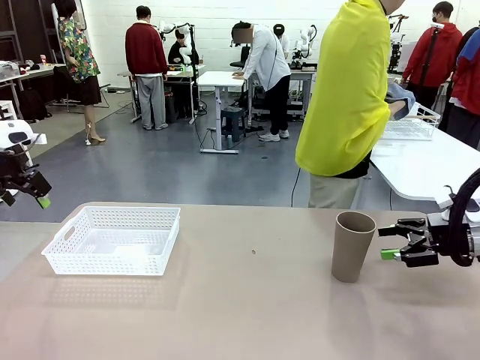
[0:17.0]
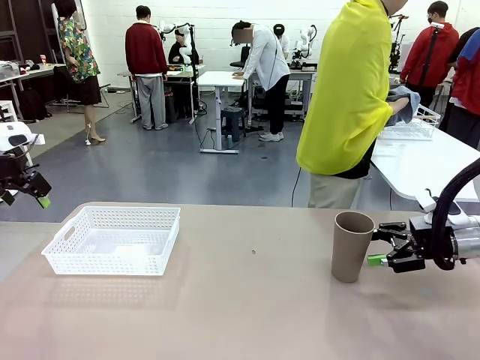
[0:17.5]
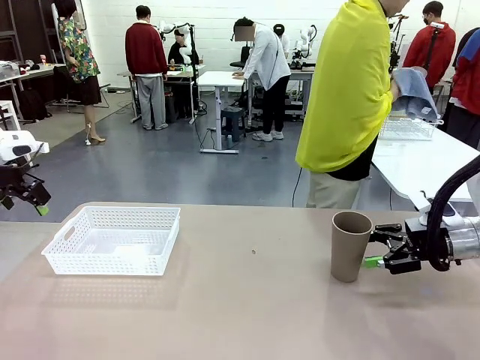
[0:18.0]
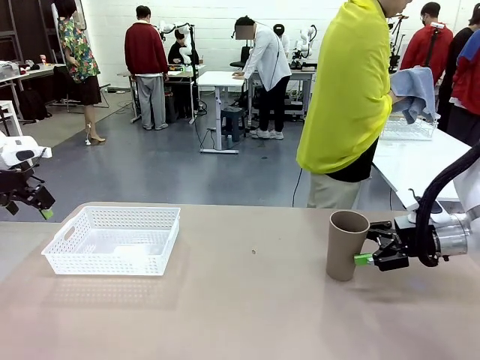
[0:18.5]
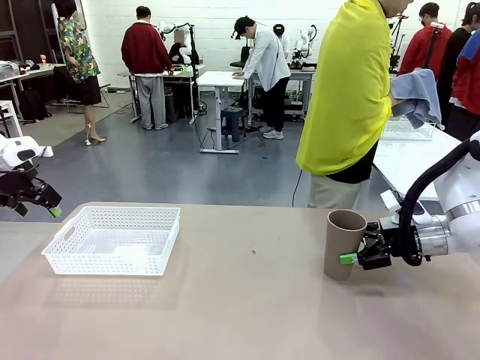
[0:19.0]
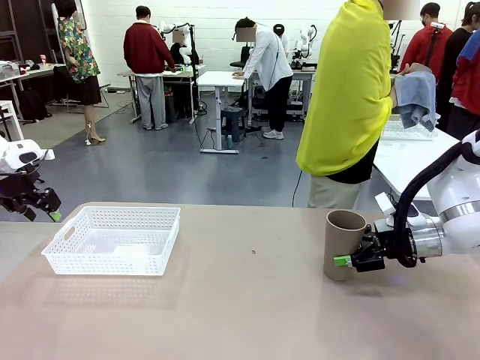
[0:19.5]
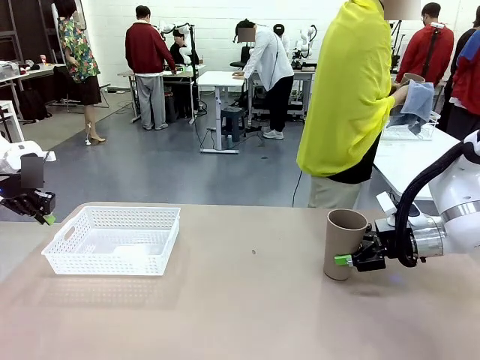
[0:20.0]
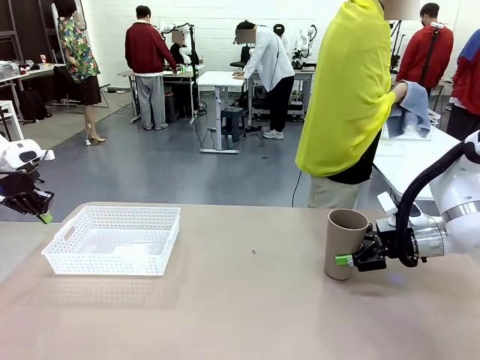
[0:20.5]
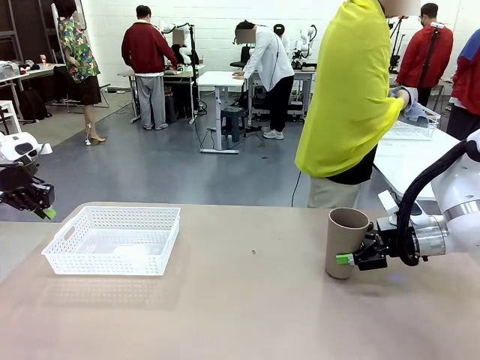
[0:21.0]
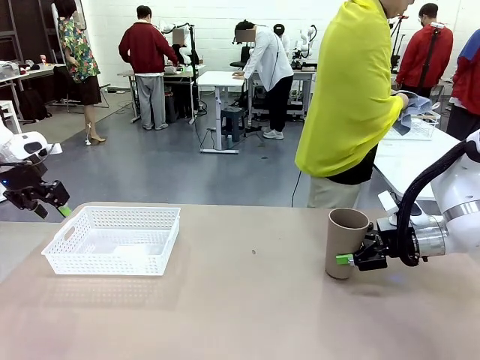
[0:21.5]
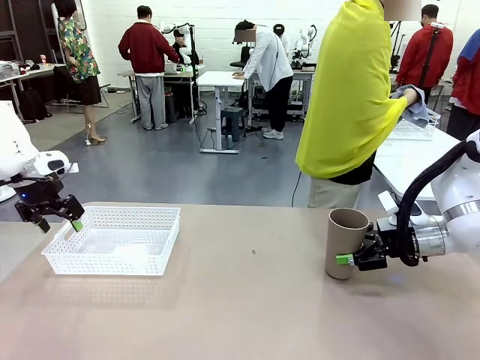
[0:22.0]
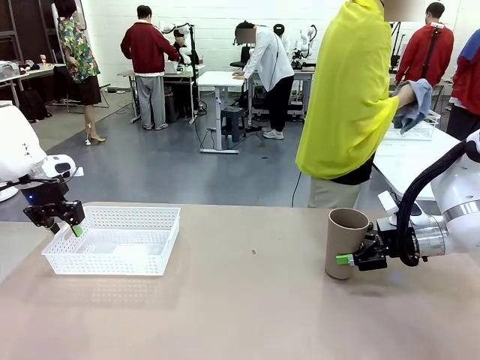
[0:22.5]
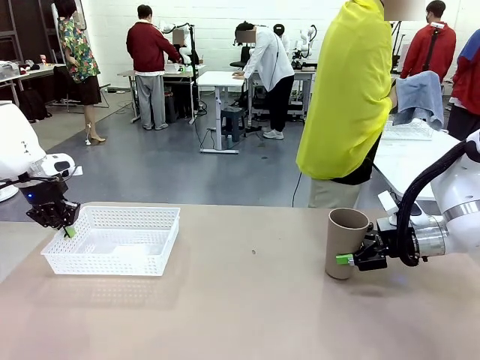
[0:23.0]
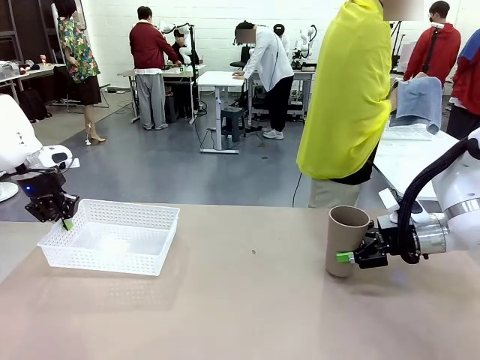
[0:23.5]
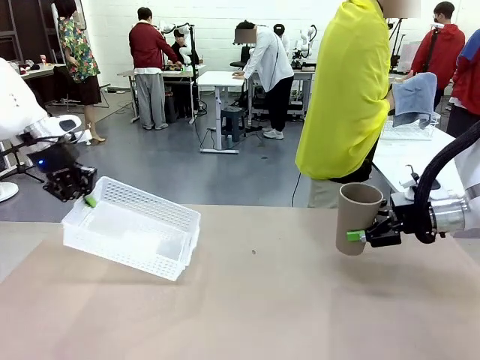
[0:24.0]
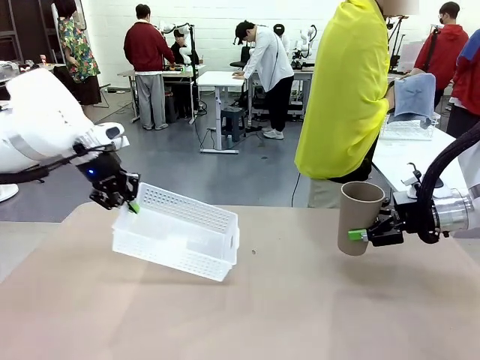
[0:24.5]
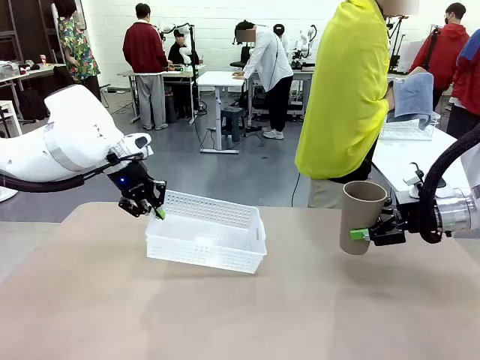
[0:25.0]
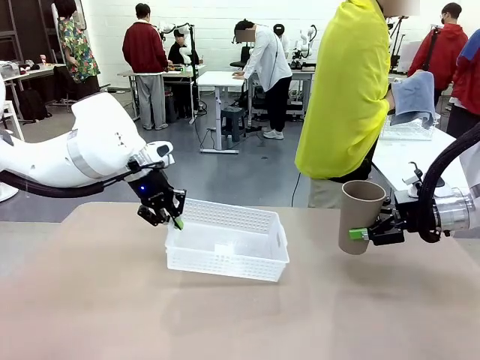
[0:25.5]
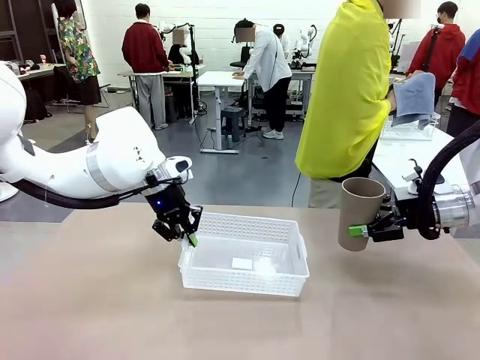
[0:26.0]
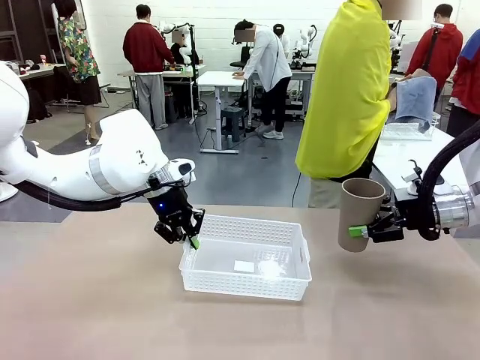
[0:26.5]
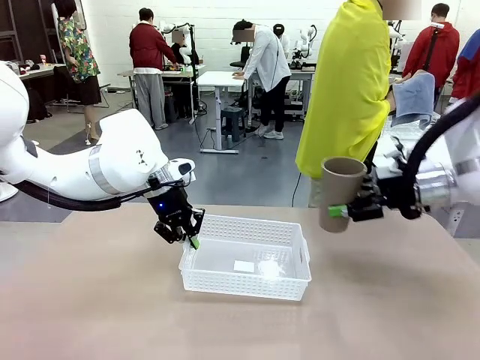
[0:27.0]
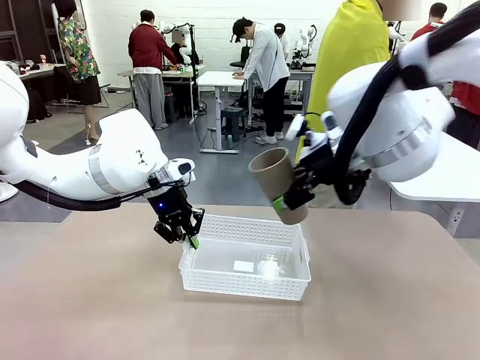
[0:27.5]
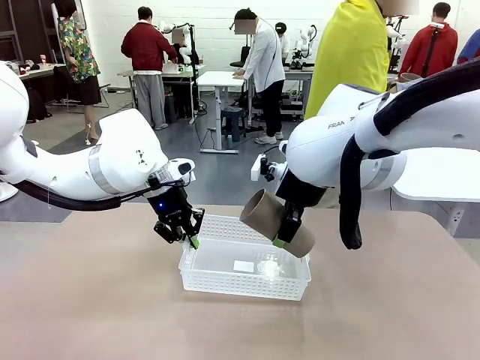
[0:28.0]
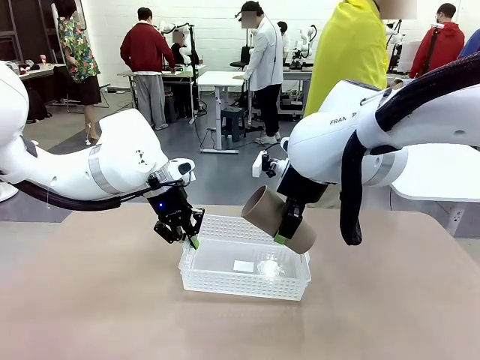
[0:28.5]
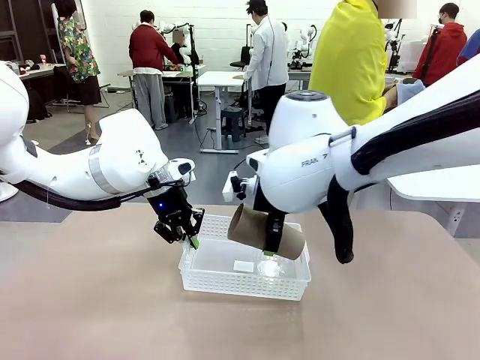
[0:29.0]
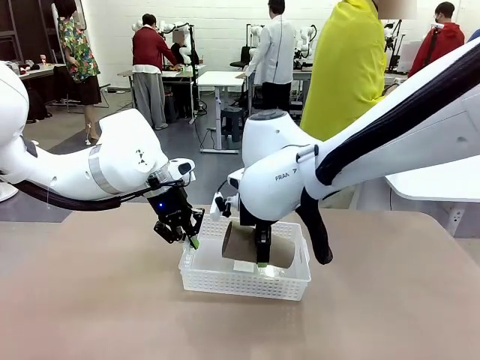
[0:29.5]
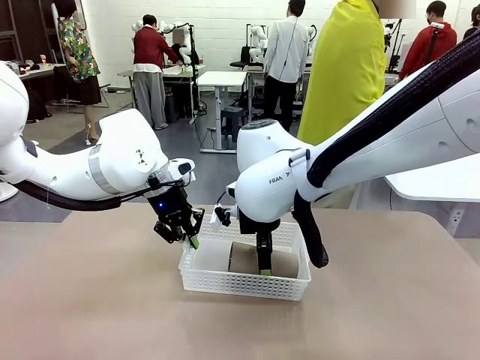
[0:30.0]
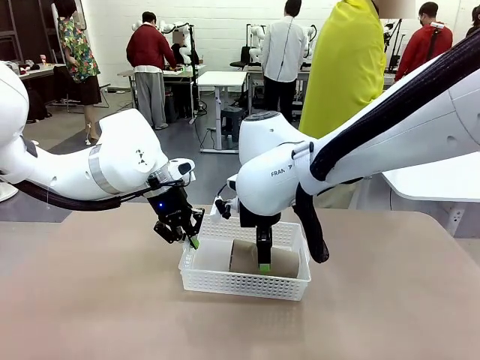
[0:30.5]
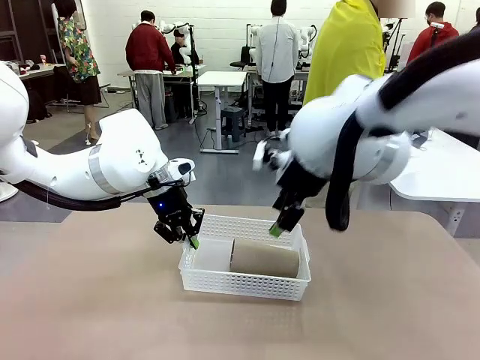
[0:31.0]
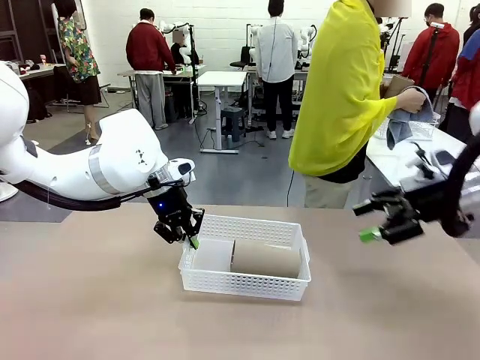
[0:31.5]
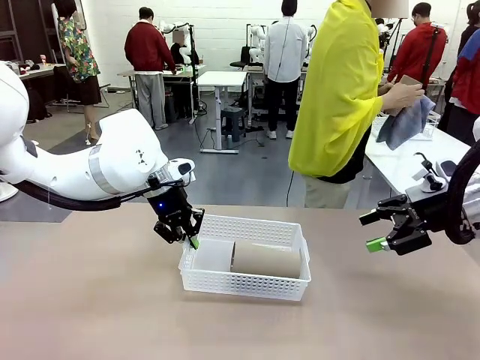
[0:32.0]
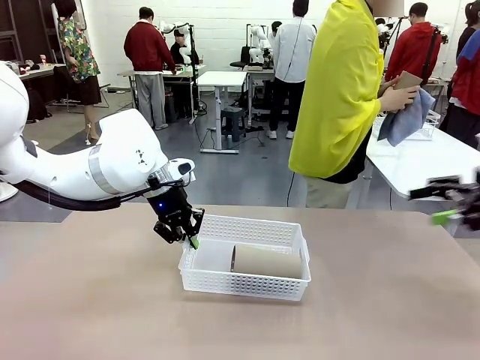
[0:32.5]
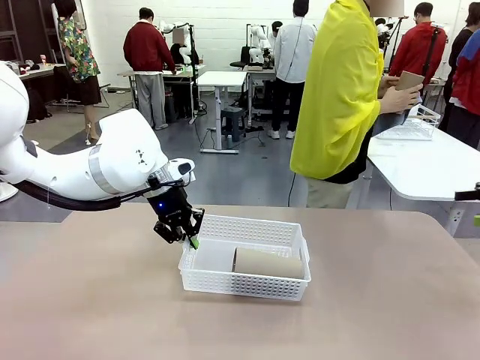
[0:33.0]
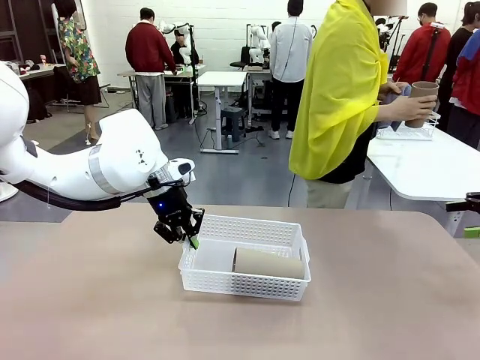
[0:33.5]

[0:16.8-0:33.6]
Task: Clean and organize the cups into the basket.
Robot: Pick up the Organizing basket and move it to the center of the table, then pick up the Reusable plastic cup from the right side of the table and place it inside the Organizing basket.

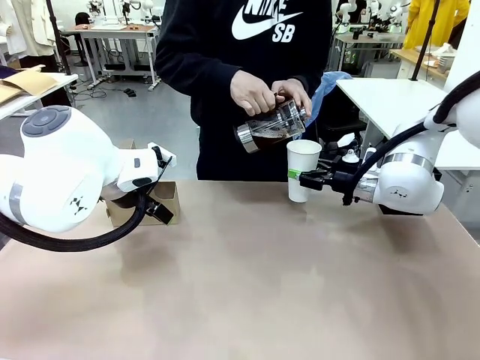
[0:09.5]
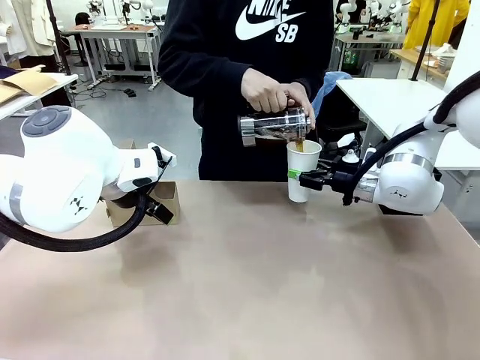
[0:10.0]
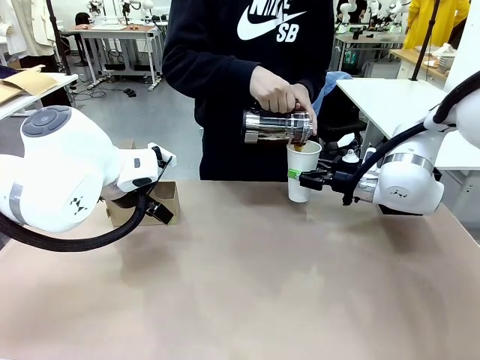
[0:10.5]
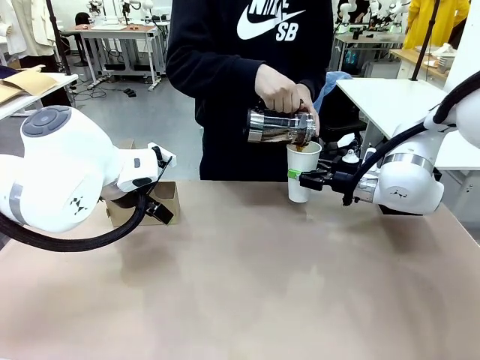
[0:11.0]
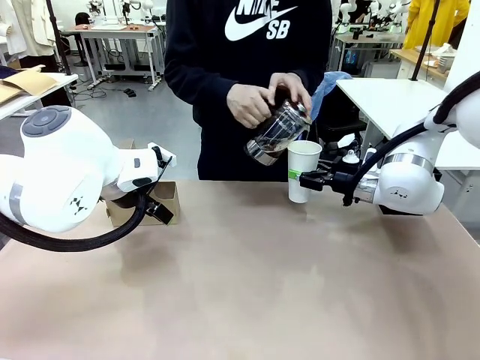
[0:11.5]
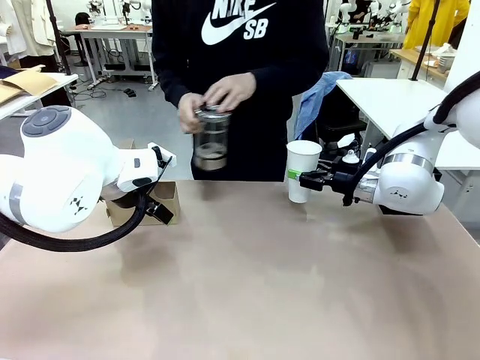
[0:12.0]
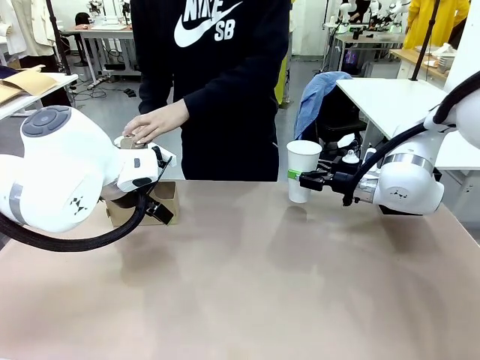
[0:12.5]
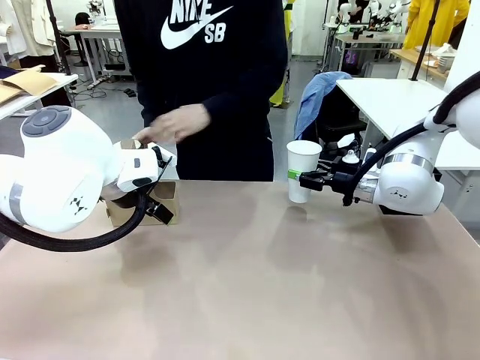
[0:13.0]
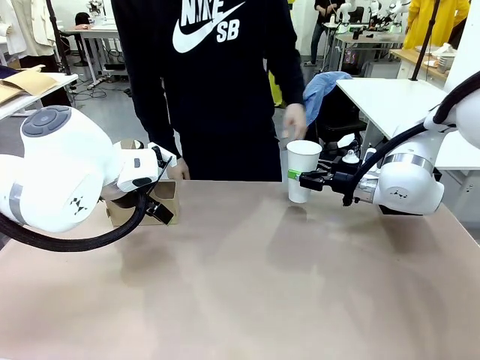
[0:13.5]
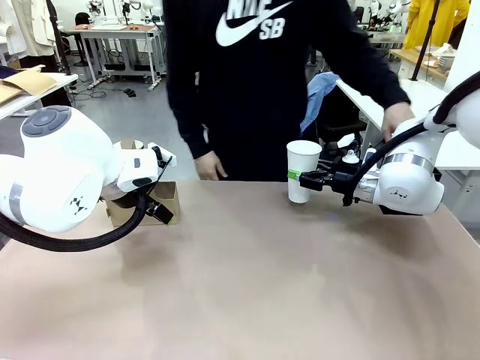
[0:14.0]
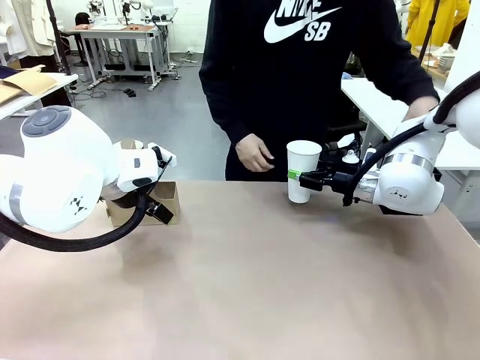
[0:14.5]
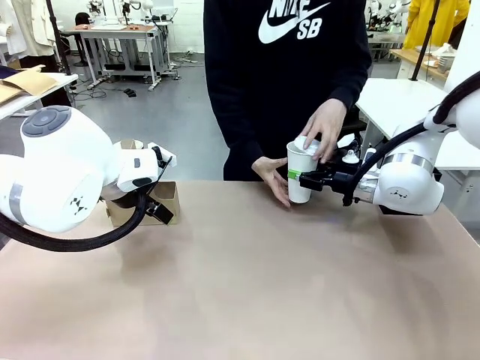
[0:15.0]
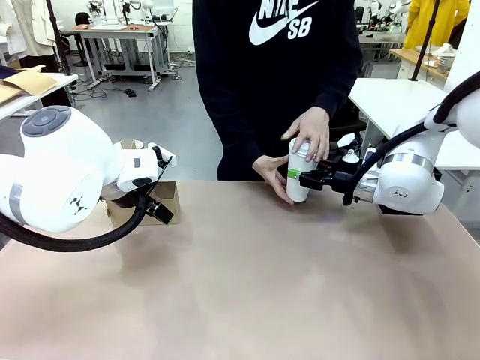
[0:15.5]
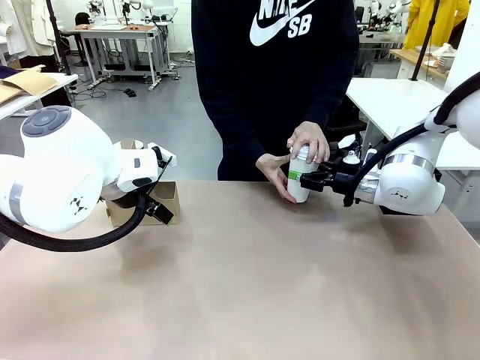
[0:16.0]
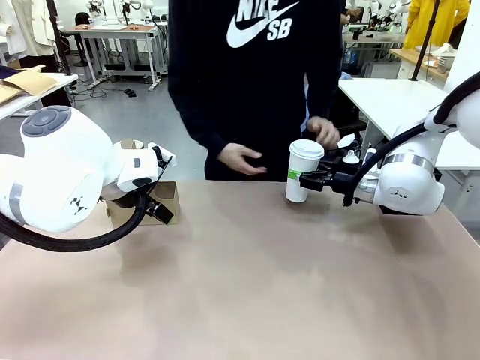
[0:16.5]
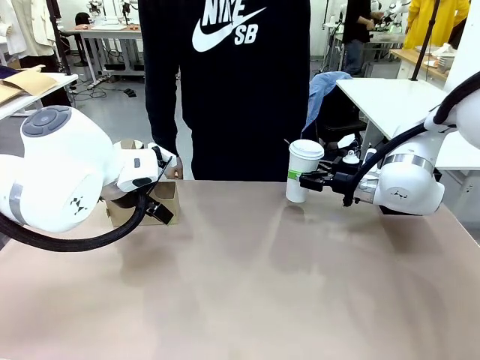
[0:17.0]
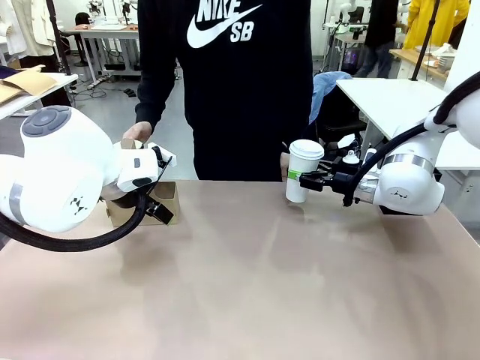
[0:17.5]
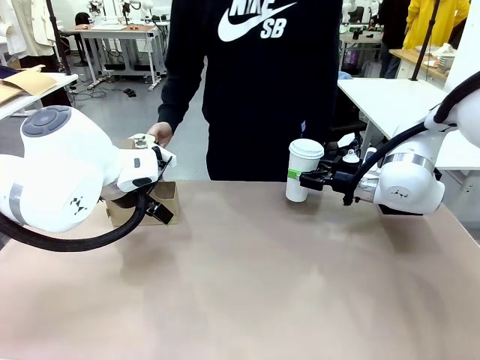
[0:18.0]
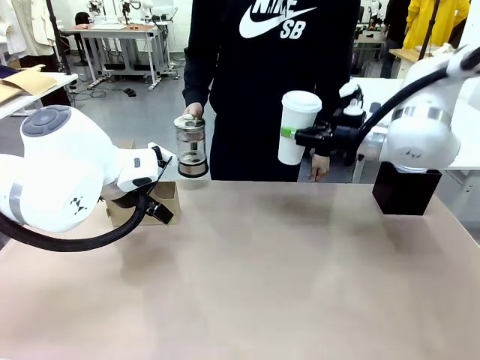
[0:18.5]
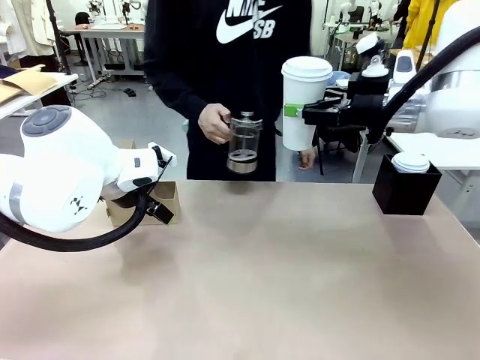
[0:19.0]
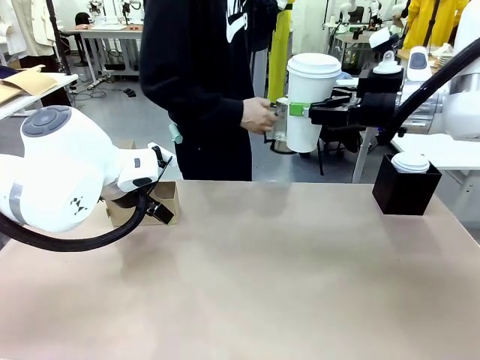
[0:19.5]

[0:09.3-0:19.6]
Task: Pour a drink into a cup and package it in a carrier.
Robot: When a person places the Paper Cup Lid on the 600 ml Paper Cup , lift the 600 ml Paper Cup.
Person: Pour the drink from the Filter Brewing into the 600 ml Paper Cup. Place a Paper Cup Lid on the 600 ml Paper Cup.
